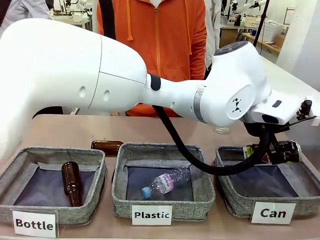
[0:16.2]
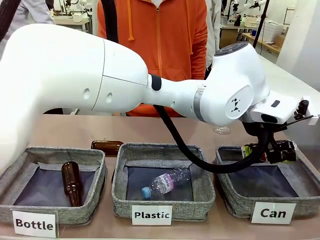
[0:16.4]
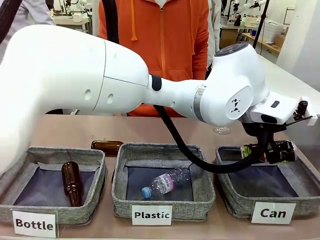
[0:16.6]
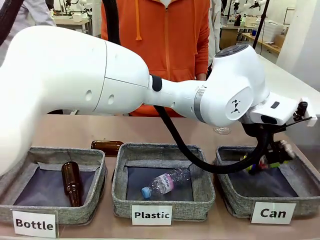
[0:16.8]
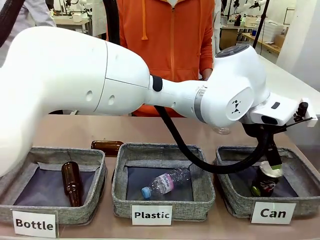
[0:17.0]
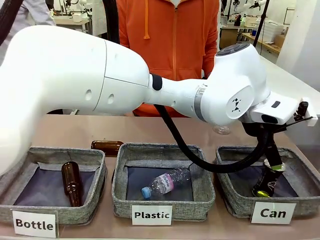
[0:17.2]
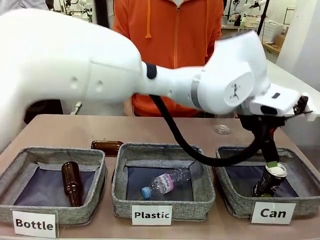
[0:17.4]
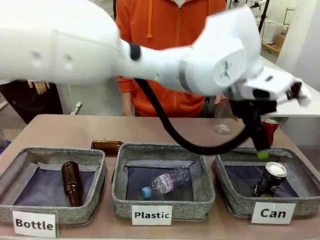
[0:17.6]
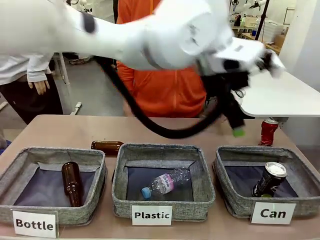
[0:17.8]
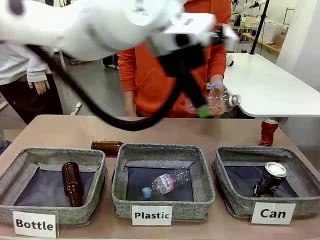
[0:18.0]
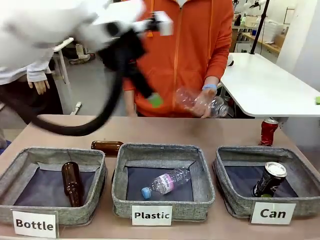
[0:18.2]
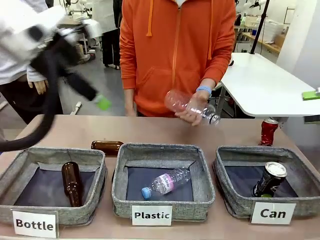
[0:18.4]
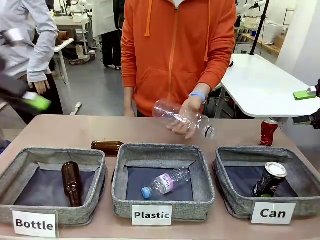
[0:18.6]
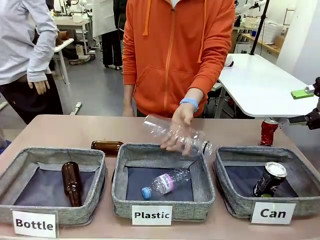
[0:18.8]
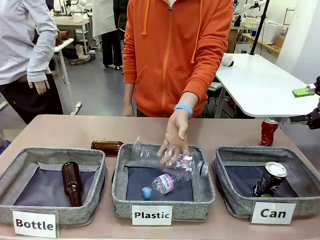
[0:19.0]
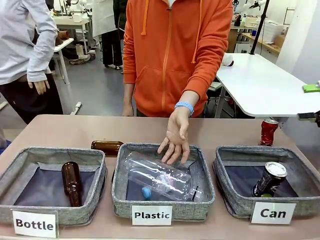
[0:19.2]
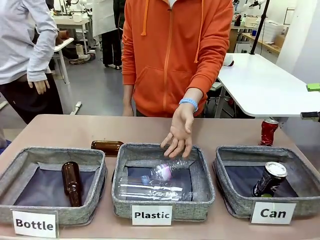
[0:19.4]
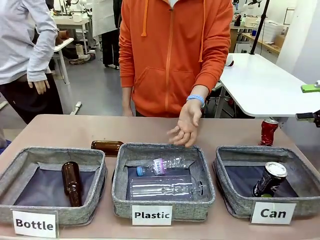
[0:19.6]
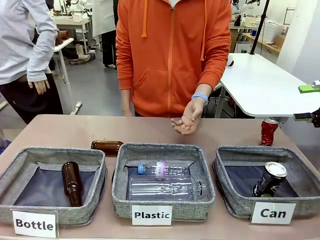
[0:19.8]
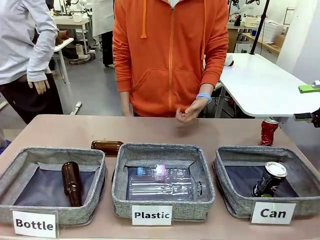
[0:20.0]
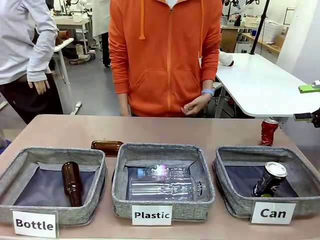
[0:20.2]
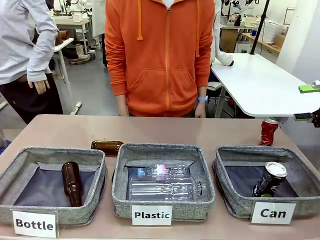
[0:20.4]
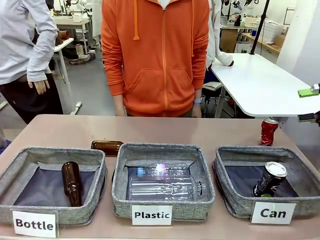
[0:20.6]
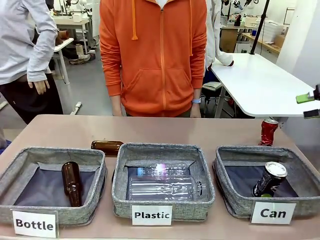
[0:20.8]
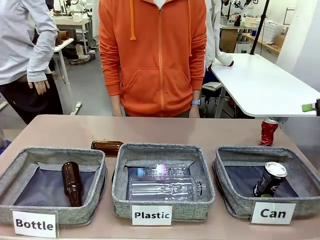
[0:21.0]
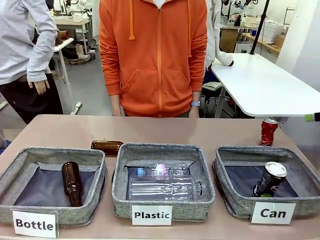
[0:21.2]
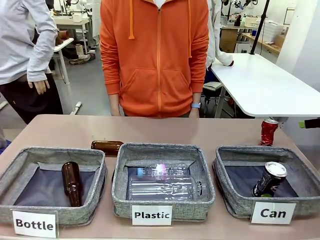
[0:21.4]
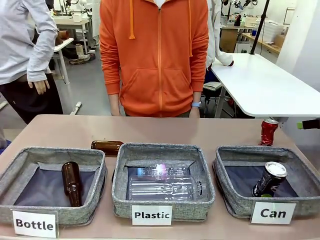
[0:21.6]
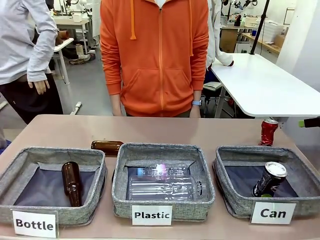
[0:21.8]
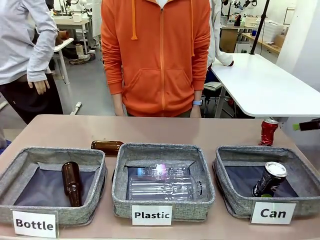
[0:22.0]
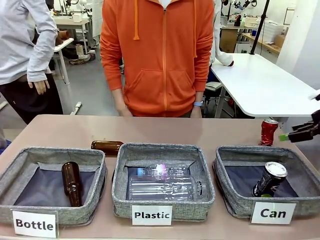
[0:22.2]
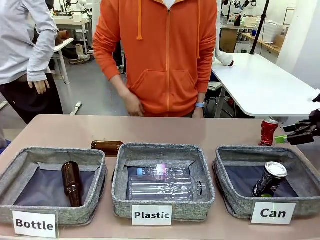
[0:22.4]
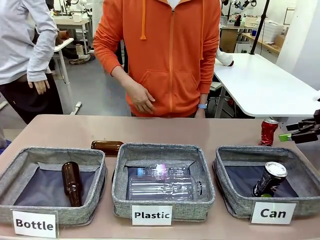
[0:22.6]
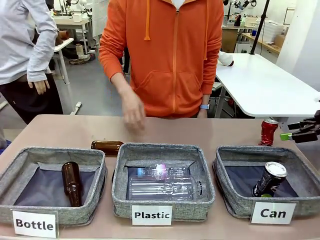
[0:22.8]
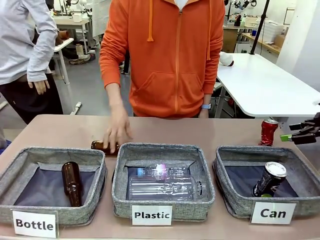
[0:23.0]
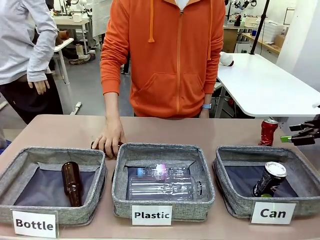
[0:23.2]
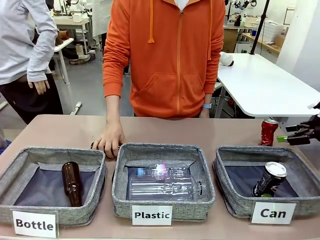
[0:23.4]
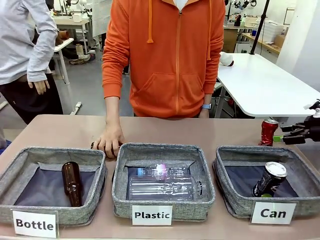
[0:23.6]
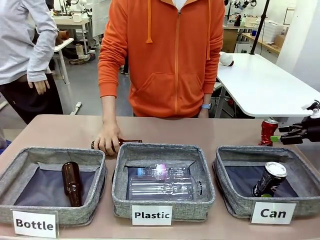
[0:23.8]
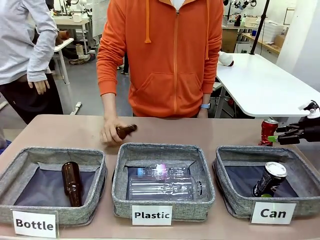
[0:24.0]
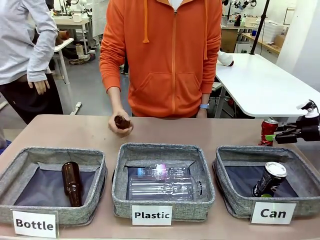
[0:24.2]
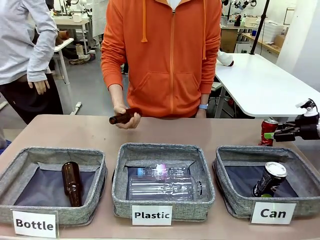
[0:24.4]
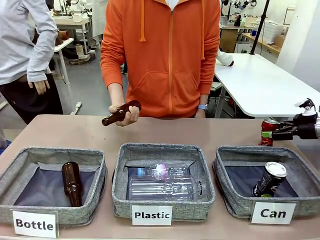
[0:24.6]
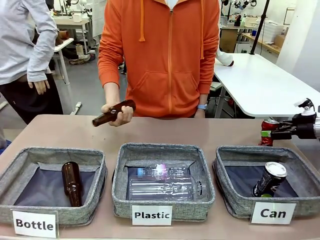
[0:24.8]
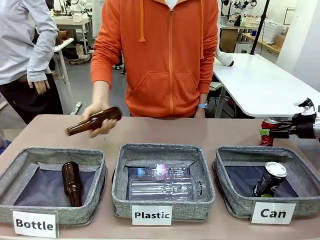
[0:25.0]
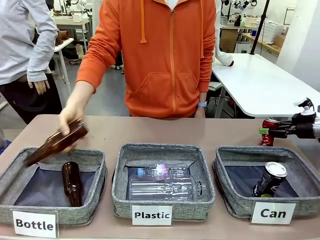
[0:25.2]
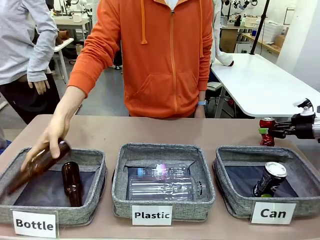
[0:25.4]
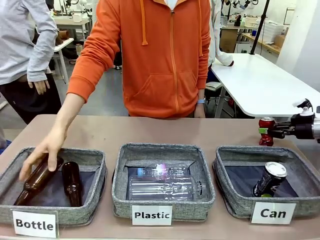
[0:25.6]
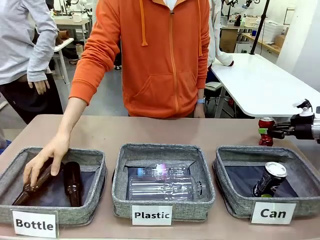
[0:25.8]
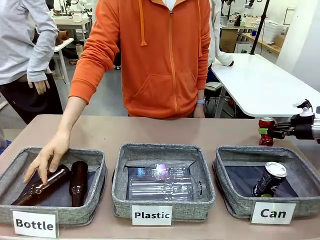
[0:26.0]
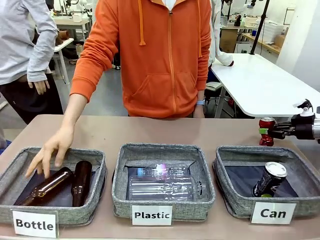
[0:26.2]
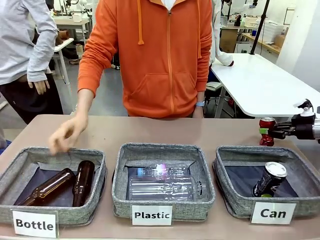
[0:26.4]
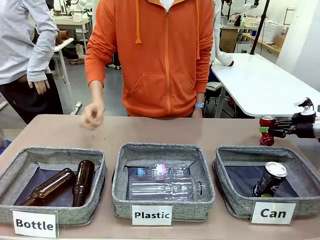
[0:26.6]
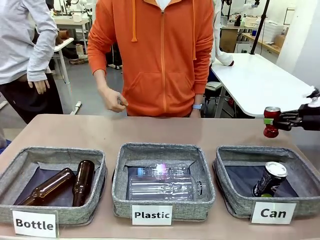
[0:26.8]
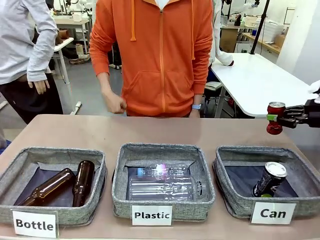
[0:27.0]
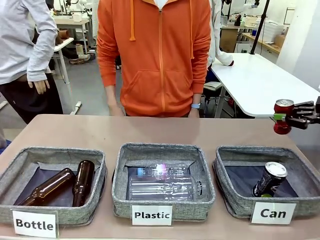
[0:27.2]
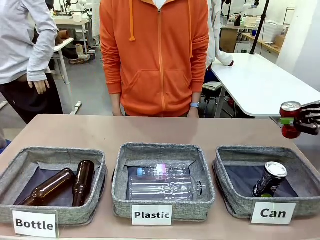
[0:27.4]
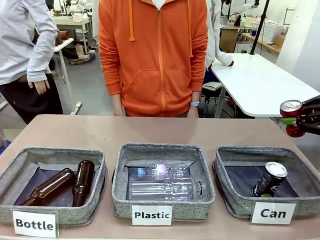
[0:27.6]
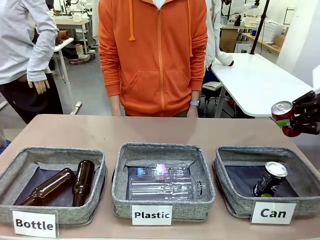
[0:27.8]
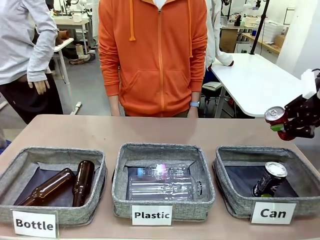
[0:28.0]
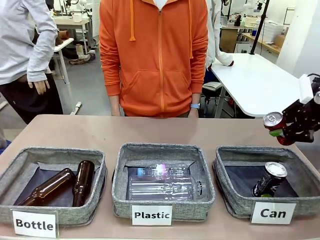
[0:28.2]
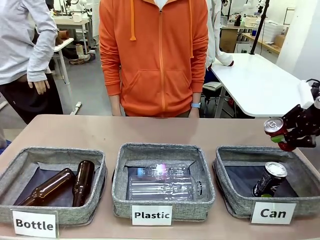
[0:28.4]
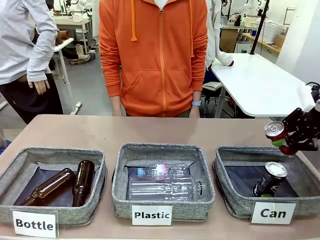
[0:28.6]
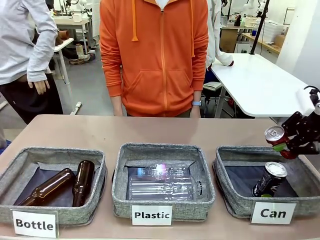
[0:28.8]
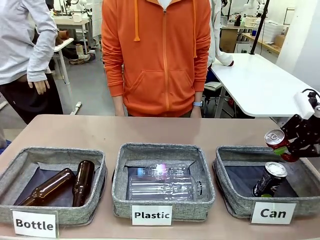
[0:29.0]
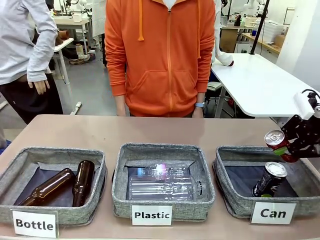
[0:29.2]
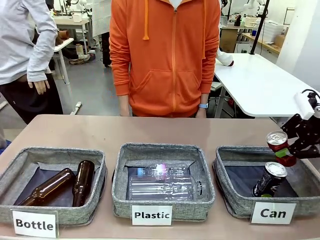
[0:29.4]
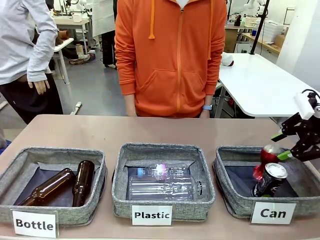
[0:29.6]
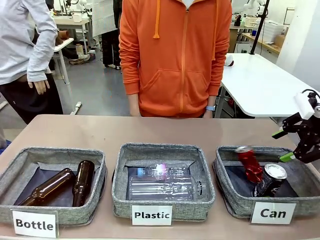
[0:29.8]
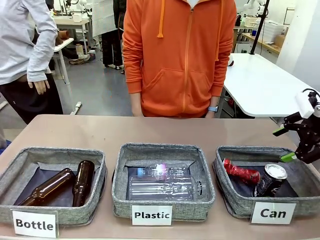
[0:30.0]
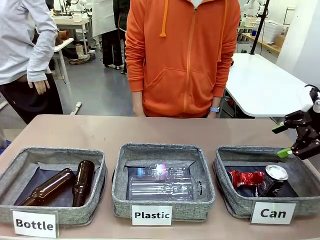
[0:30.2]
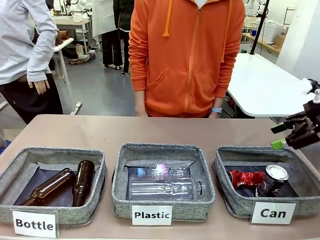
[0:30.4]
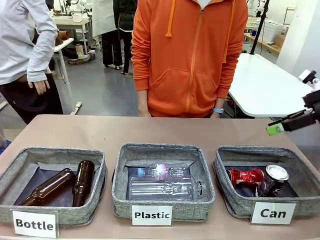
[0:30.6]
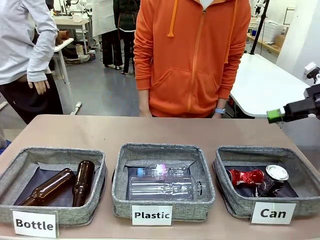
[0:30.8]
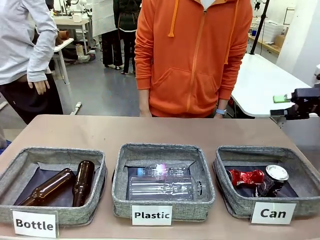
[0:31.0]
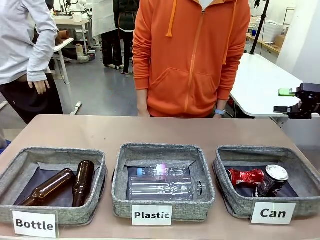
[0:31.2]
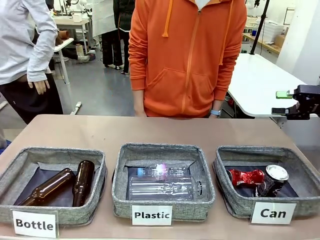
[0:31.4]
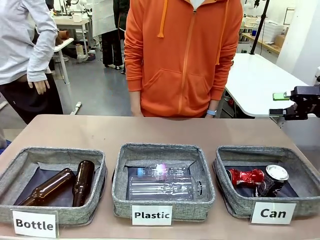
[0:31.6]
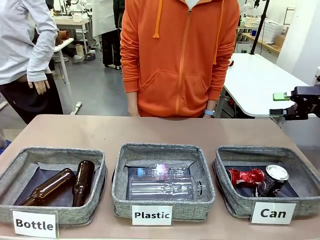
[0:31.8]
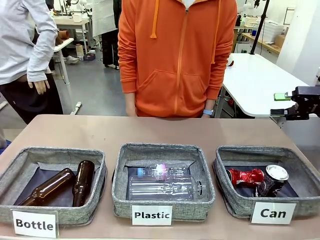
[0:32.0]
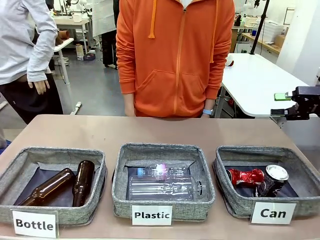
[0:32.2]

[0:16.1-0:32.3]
Task: Sort the can waste into the basket.
Robot: Pick up the can waste from the table and place it in the right Fabric basket.
Person: The human picks up one piece of trash that is not a can and places the trash into the appropriate organizing basket.
